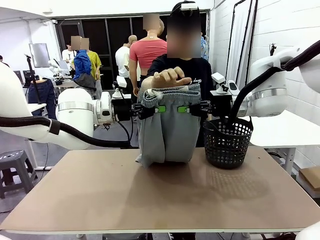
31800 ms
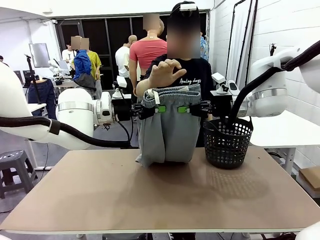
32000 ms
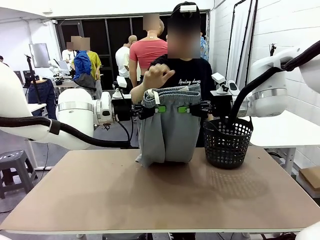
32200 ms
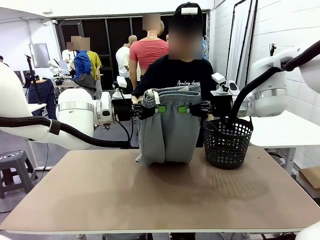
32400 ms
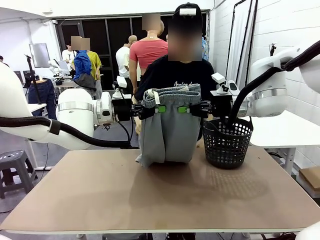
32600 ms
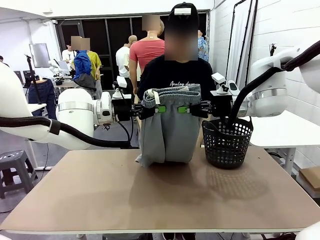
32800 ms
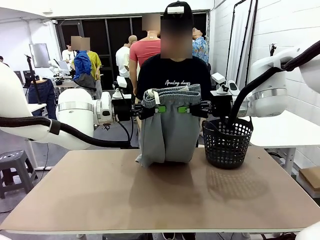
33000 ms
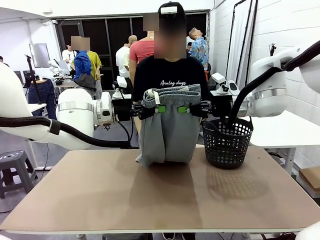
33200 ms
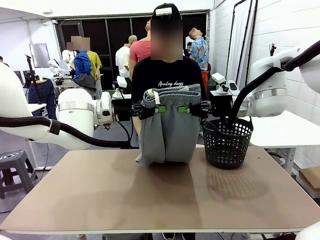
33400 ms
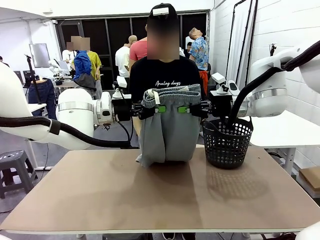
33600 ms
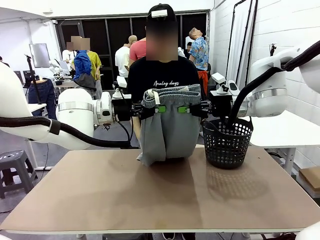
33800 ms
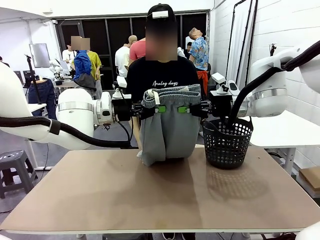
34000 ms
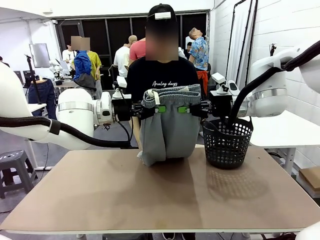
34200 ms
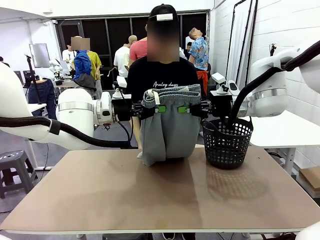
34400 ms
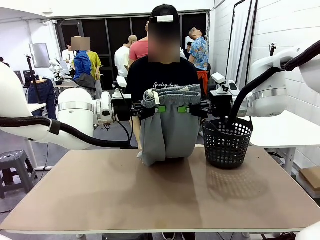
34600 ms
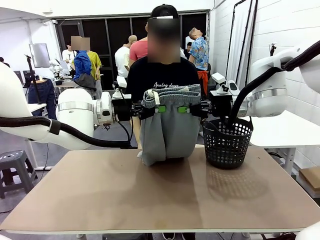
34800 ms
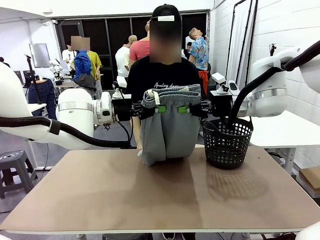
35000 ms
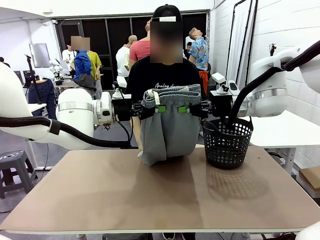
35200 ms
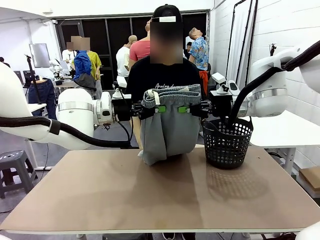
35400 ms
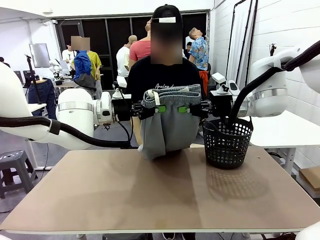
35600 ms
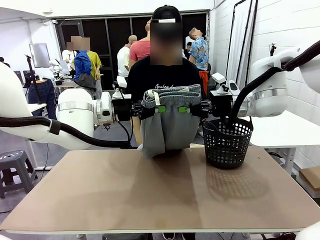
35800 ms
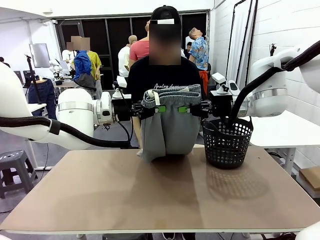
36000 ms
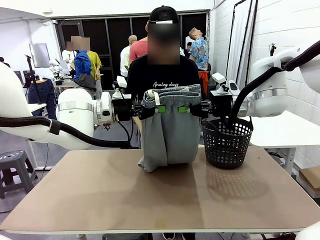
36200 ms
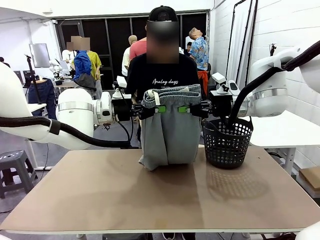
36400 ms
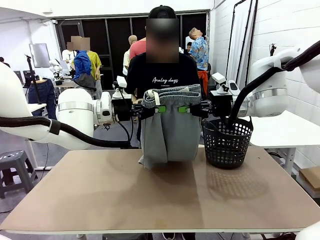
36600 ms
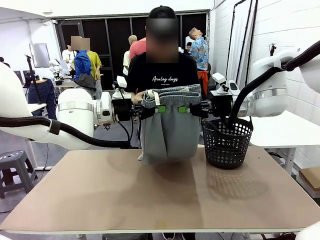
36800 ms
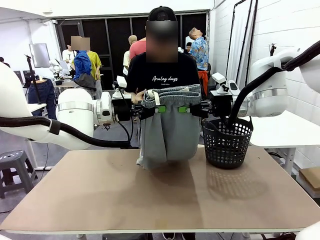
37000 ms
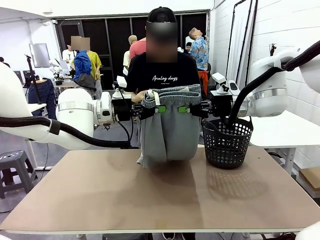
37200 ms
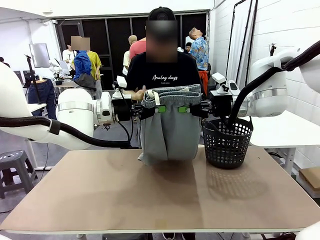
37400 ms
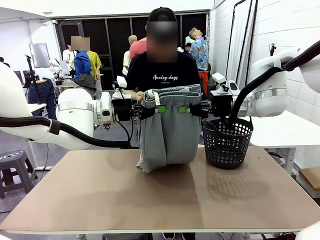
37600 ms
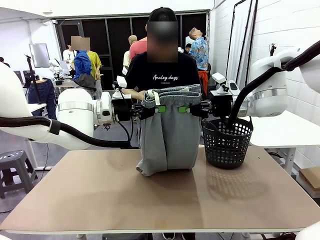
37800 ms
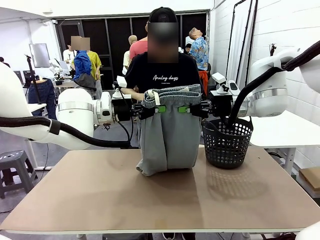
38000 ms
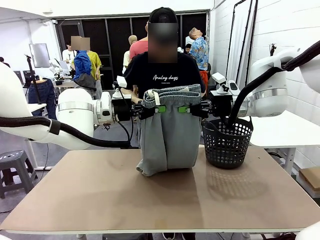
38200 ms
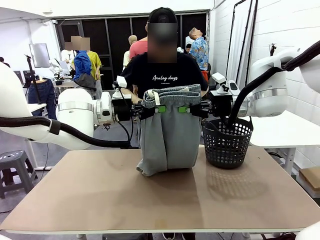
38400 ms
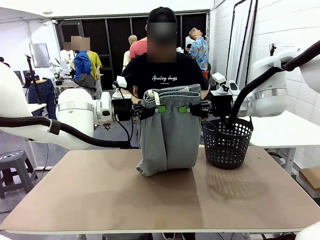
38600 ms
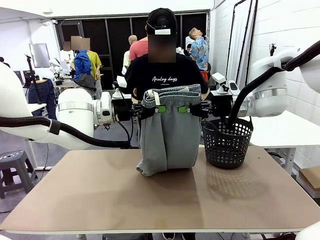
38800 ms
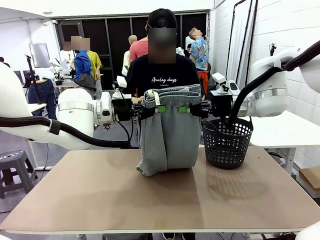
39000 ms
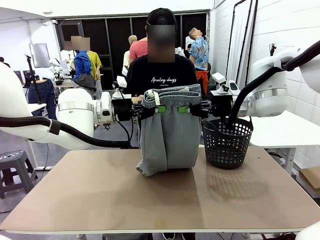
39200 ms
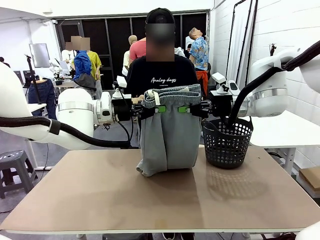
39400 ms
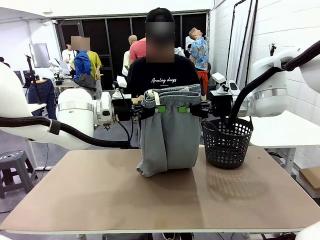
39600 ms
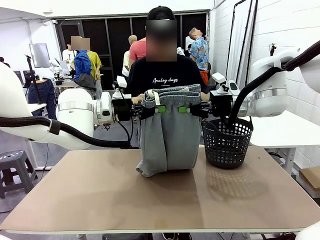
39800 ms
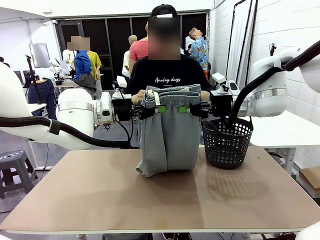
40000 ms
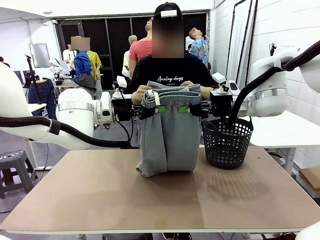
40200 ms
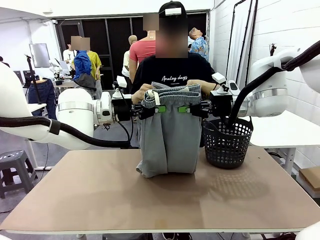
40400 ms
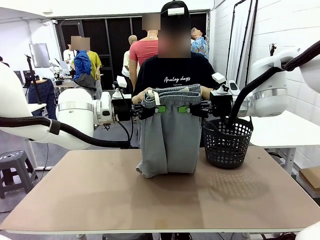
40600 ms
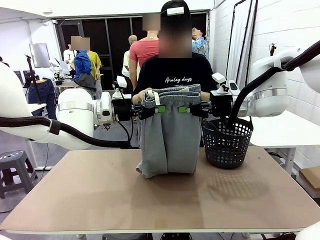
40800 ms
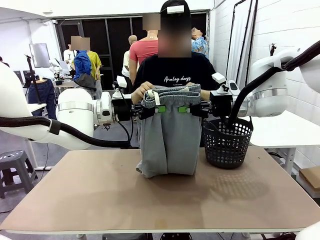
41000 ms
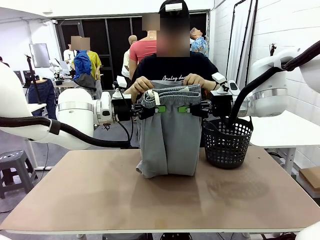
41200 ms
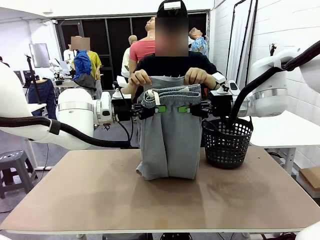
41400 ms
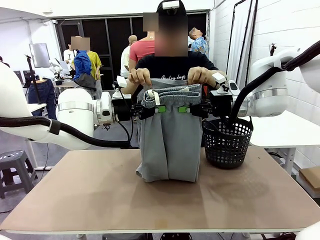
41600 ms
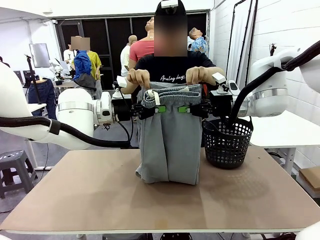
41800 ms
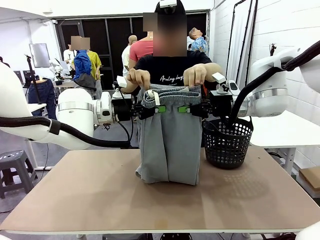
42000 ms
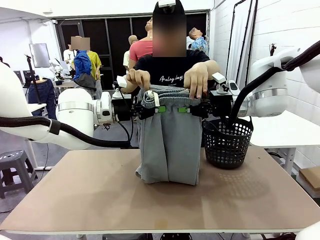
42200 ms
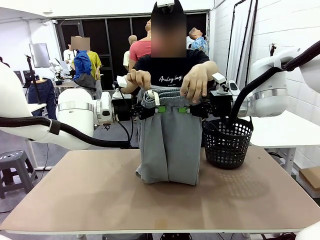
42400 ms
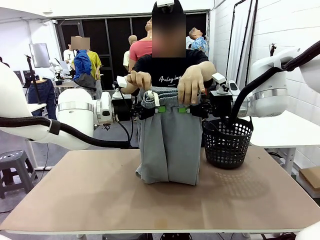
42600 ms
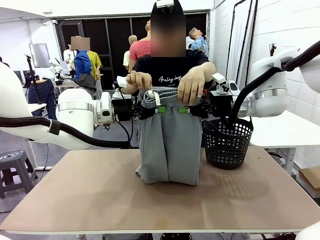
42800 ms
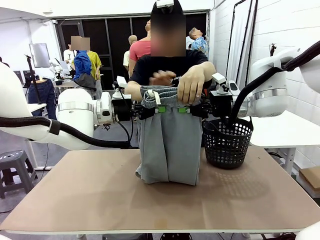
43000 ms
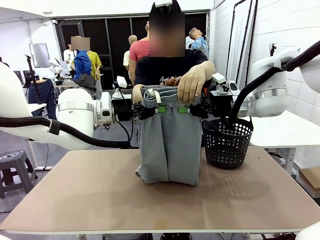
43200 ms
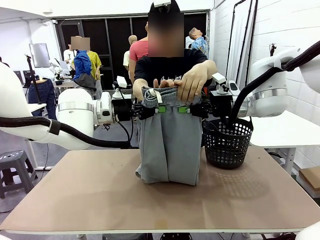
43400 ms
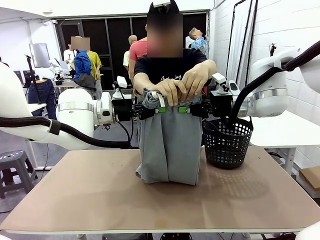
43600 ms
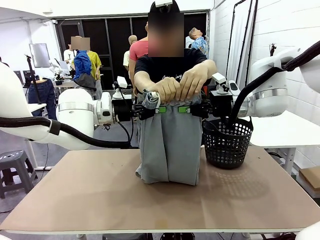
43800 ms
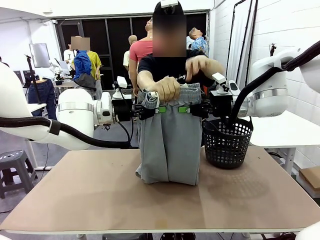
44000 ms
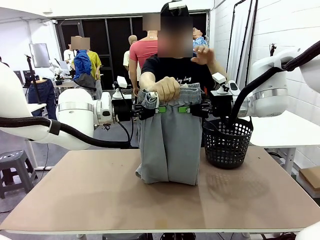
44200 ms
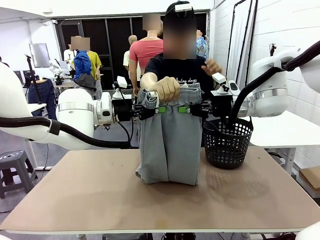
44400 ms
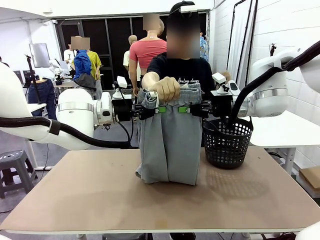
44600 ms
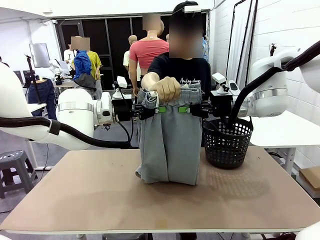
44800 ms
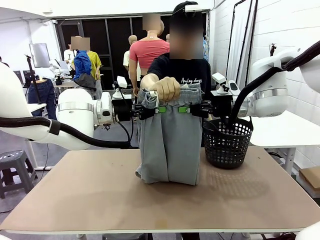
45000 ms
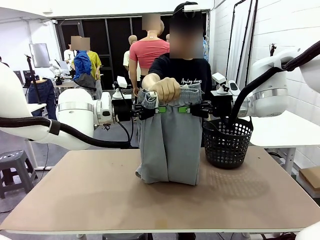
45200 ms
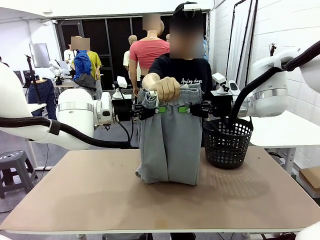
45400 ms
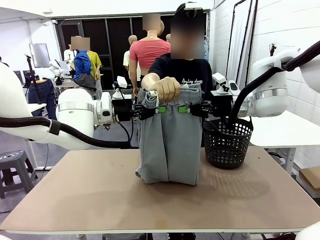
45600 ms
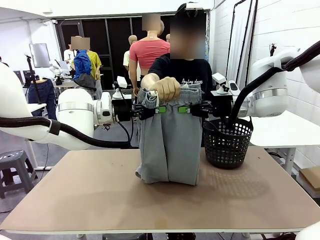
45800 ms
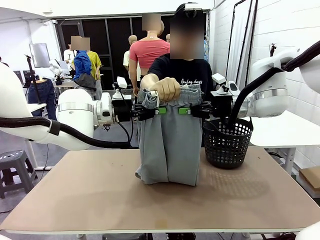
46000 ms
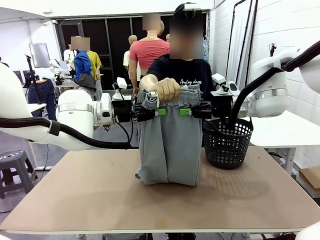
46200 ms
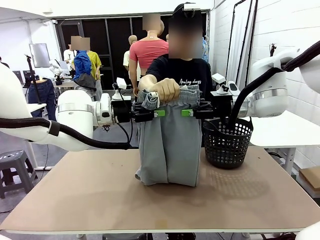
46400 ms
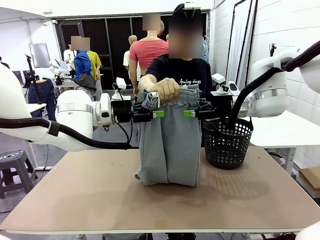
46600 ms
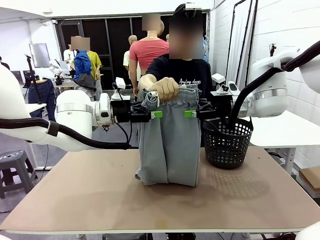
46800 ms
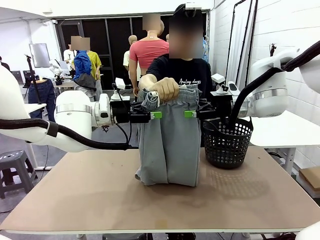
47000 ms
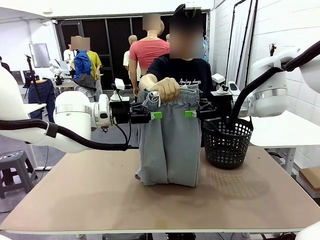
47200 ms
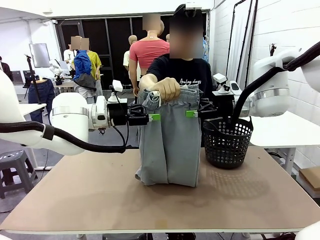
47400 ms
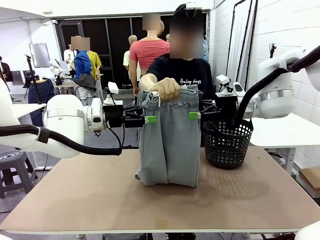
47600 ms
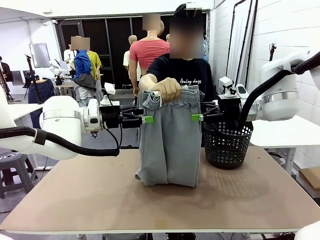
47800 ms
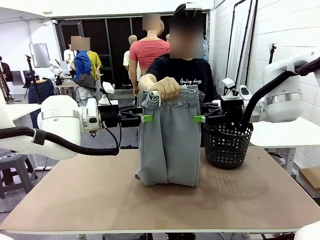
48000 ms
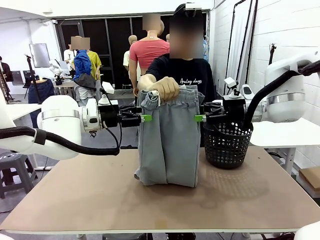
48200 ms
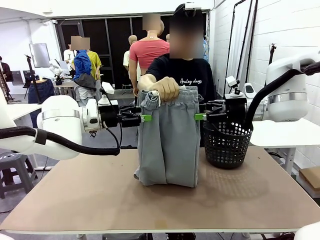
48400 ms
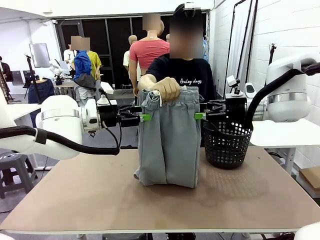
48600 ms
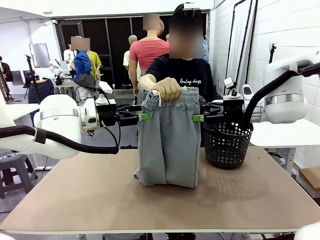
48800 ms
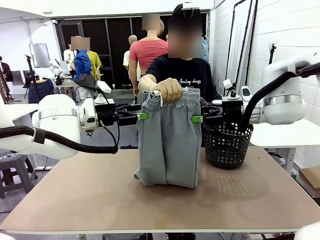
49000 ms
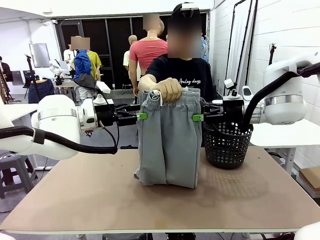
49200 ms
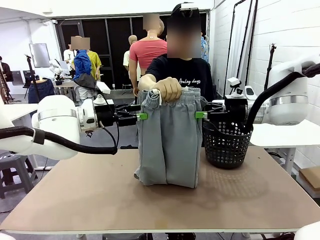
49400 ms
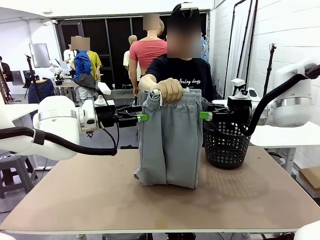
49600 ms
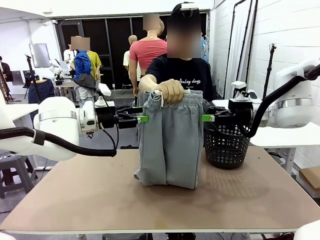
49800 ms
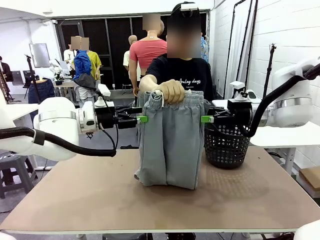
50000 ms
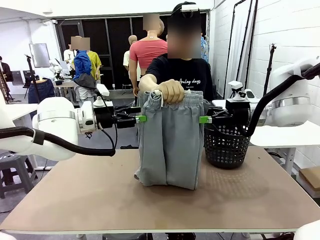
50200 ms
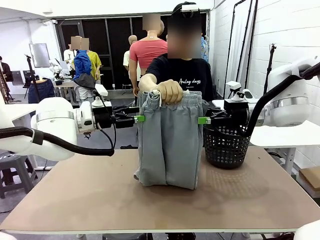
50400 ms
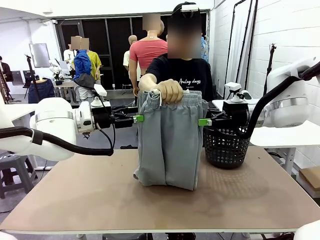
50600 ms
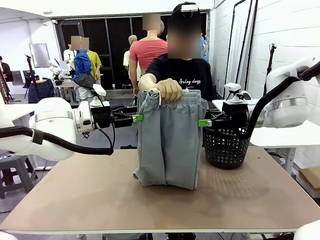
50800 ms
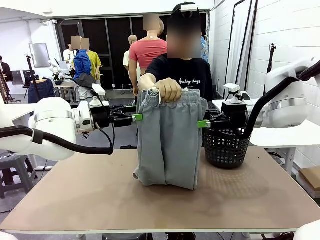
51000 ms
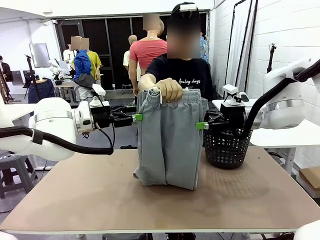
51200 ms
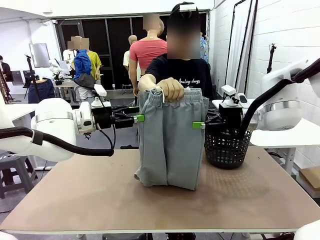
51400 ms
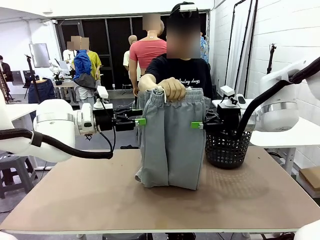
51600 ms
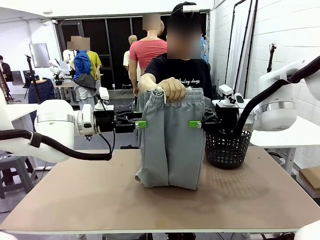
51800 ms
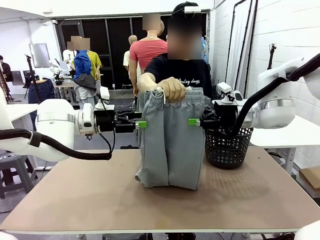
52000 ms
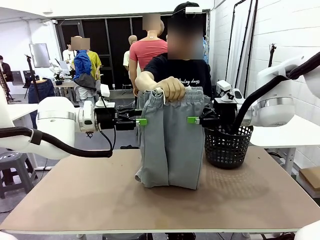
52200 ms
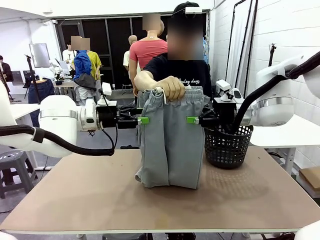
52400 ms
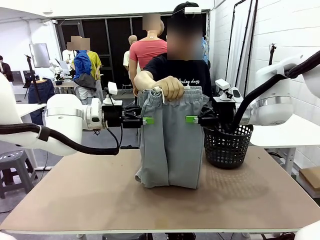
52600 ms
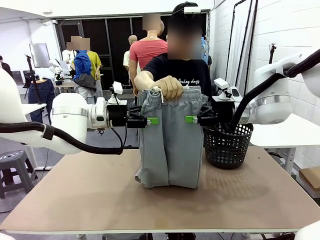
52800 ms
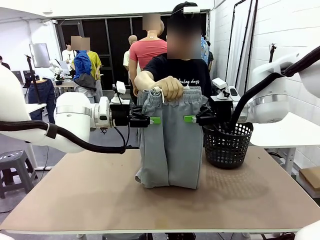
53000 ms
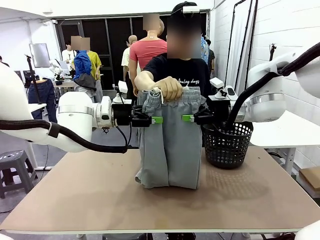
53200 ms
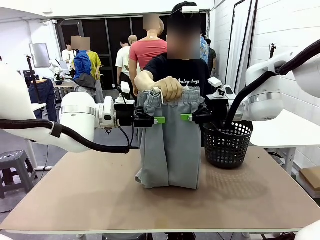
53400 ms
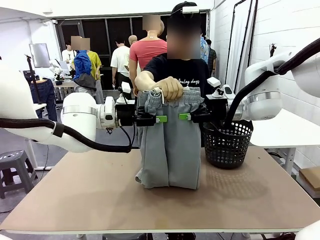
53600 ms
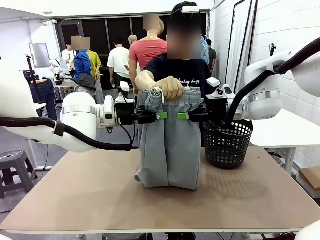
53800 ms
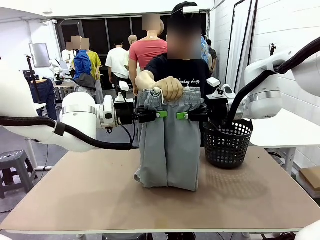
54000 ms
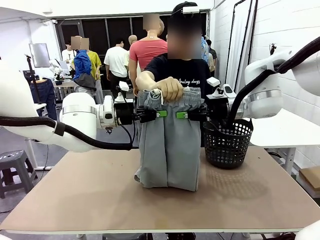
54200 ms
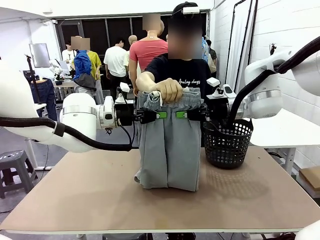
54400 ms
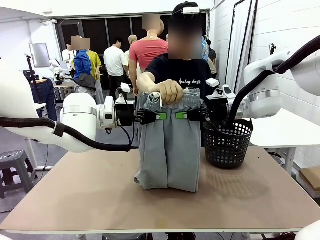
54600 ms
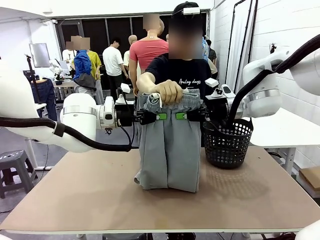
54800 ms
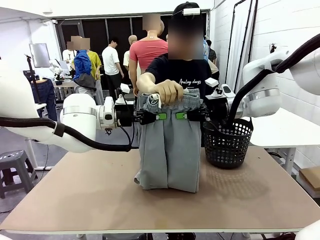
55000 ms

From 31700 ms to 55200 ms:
Task: Fold the training pants.
Robot: Release the ends of the Training pants and then grab the overlapped ends.
Person: Grasp the end opposite the point the robot is holding, fold the pants in half, and then grasp the overlapping top end of the folded pants. Release the pants you were holding.
